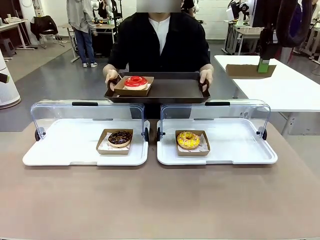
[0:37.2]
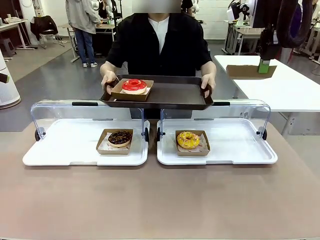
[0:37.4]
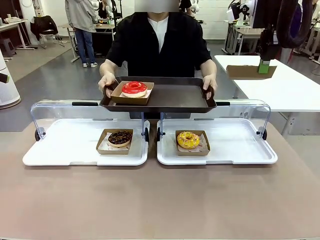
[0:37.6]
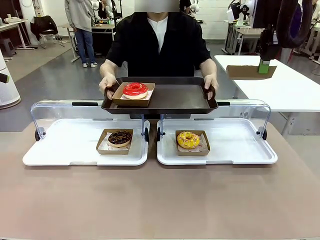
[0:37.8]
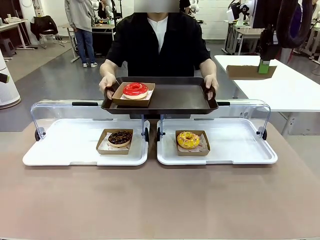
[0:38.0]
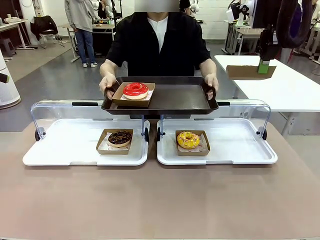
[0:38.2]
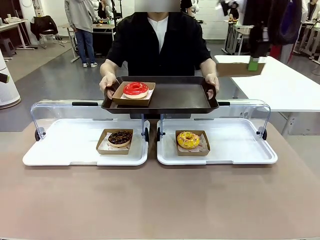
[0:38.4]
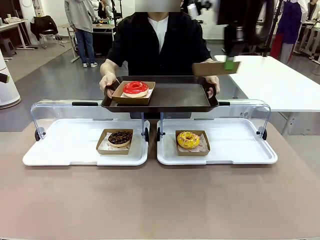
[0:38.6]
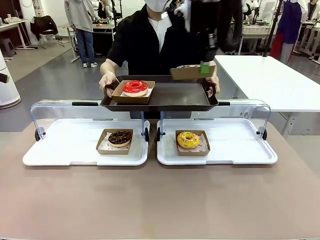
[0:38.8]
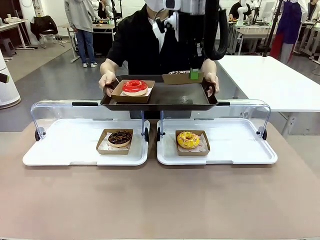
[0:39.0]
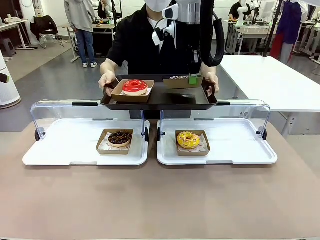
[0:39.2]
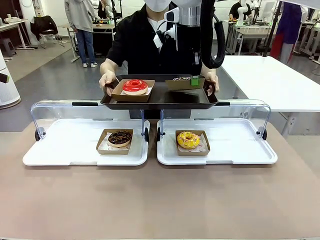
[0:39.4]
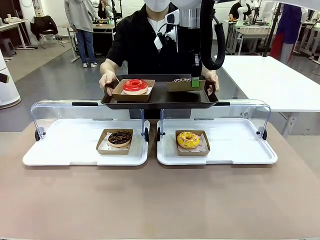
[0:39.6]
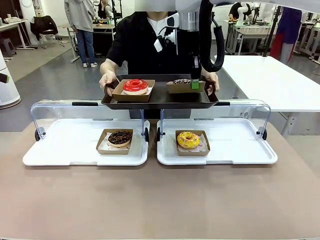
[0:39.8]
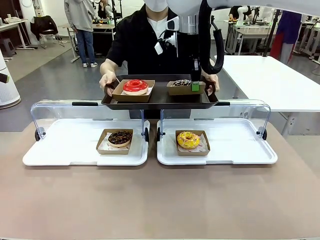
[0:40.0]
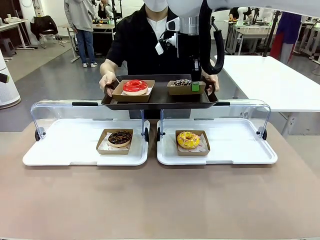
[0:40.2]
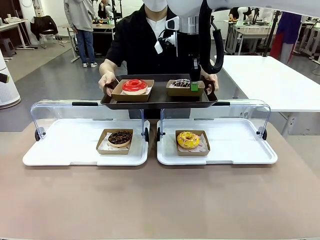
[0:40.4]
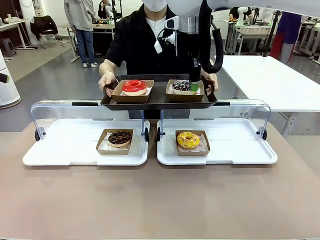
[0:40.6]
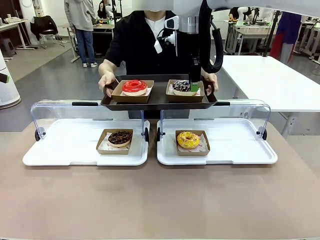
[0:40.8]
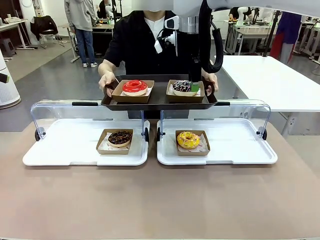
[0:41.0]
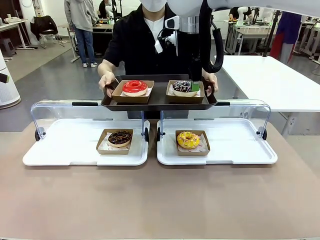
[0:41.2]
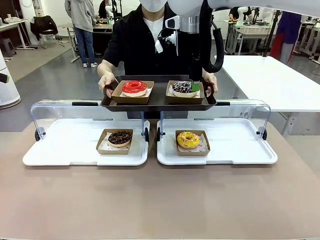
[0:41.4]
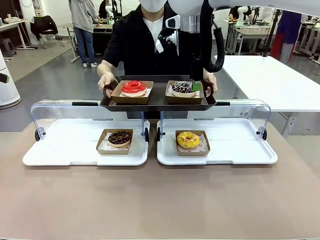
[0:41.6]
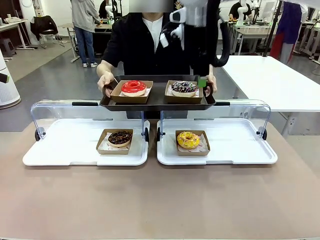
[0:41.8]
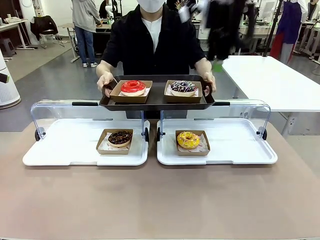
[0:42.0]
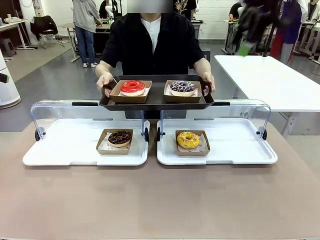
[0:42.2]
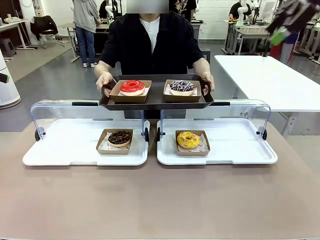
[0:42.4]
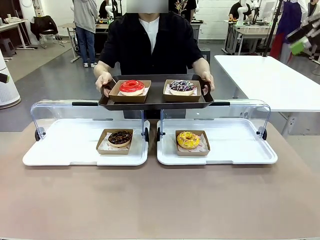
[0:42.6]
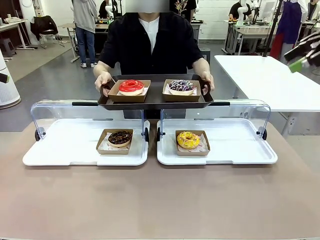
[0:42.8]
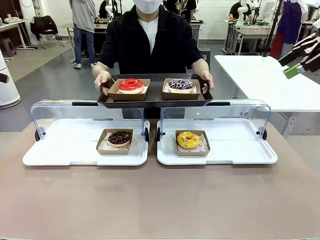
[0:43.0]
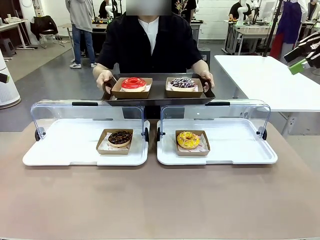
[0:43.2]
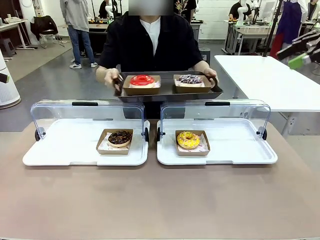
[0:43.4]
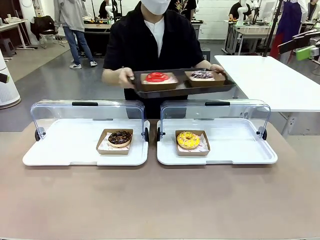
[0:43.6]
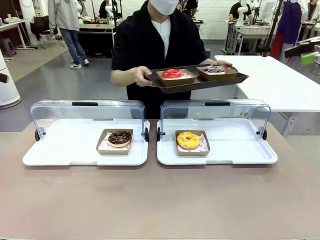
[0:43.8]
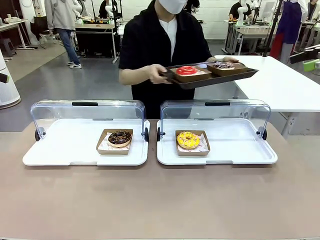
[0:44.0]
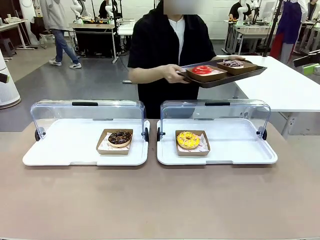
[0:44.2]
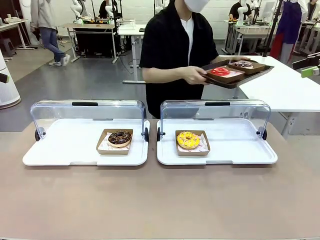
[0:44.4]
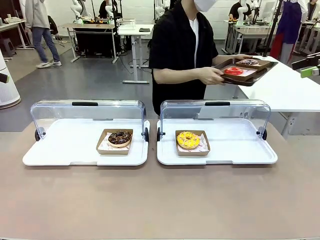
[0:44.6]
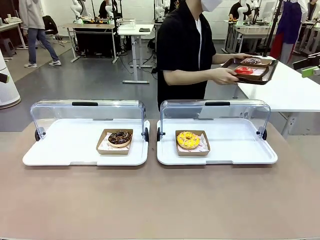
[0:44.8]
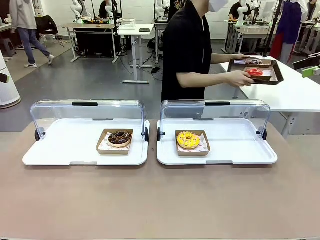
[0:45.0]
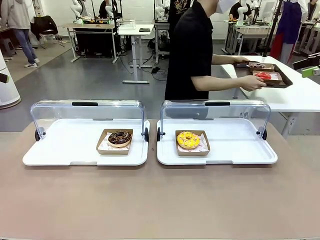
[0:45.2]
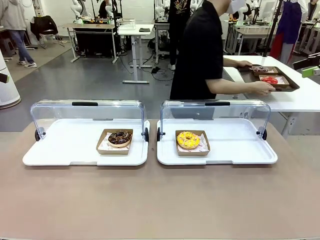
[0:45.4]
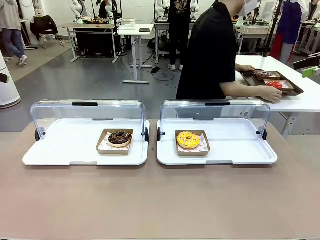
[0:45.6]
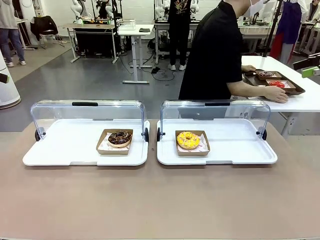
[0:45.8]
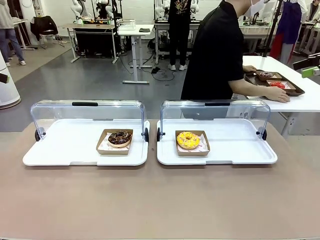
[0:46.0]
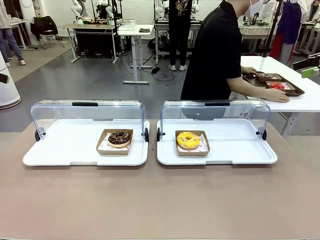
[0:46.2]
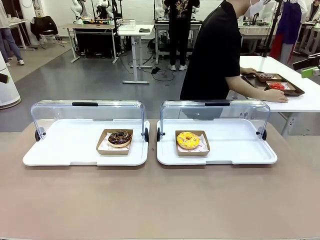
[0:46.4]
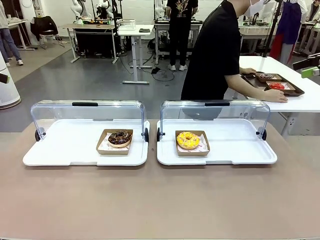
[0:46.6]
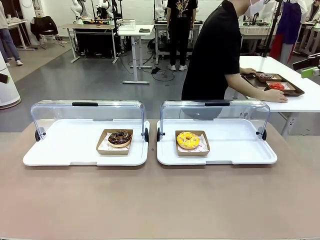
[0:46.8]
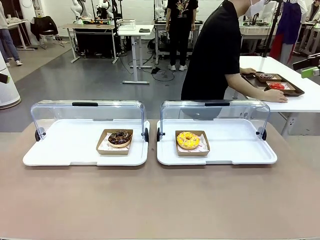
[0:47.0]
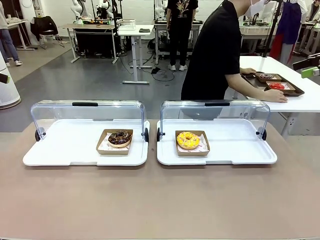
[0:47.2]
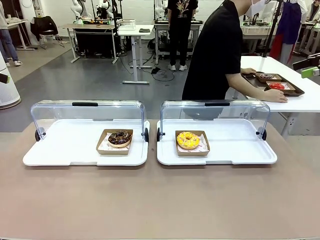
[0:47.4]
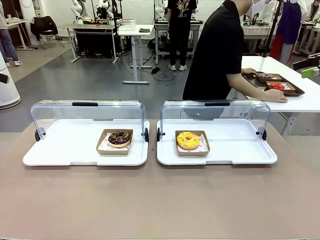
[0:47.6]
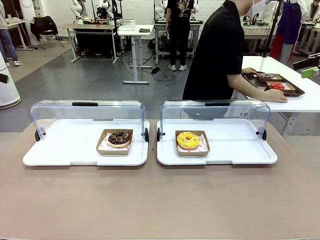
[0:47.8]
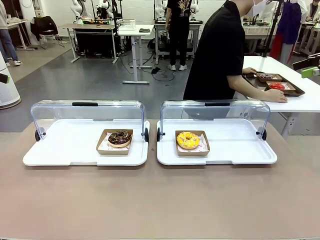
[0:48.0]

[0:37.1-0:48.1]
Task: Provide the desired donut to the person.
Robot: Place the picked Paper togo box onto the Handle tray extended by the person.
Person: Place the tray in the middle of the human table.

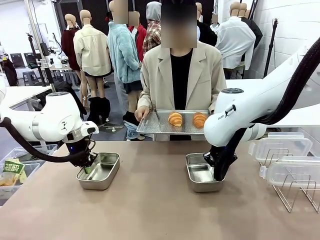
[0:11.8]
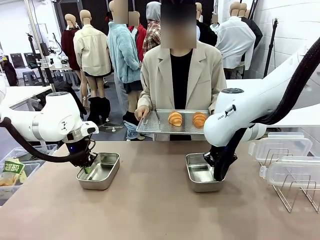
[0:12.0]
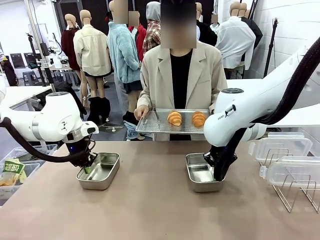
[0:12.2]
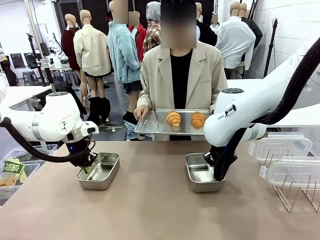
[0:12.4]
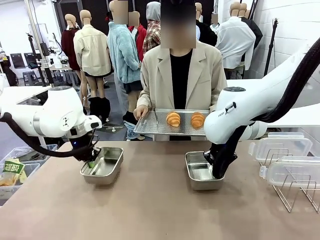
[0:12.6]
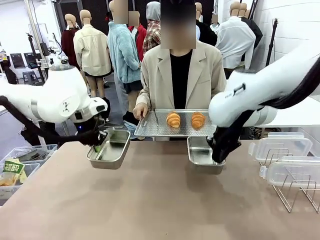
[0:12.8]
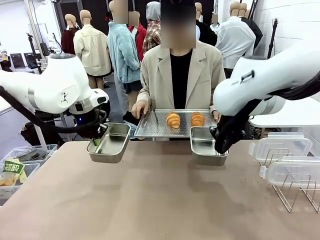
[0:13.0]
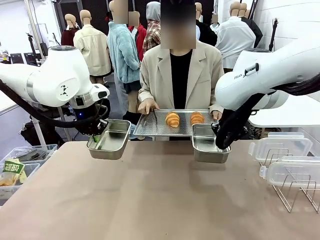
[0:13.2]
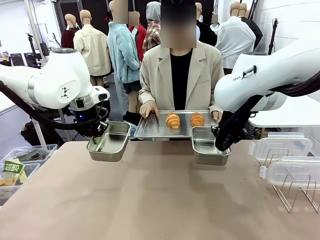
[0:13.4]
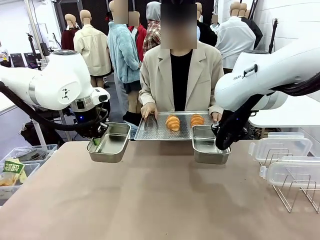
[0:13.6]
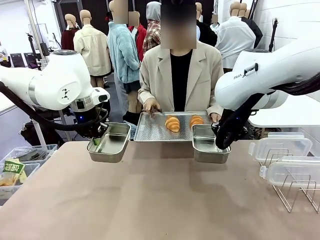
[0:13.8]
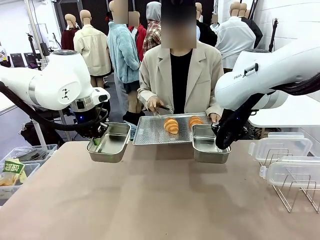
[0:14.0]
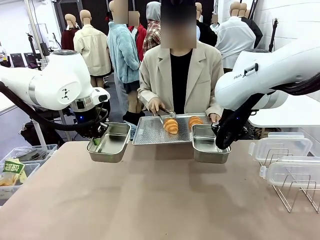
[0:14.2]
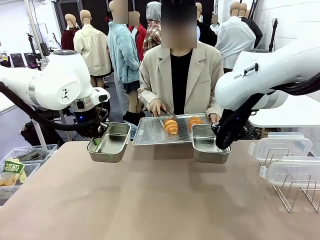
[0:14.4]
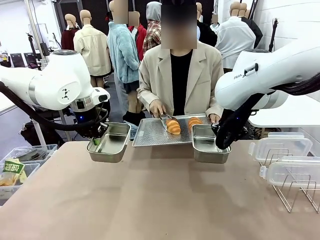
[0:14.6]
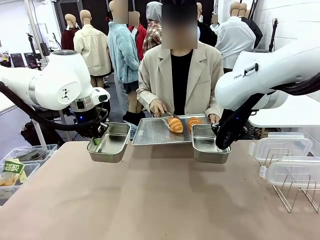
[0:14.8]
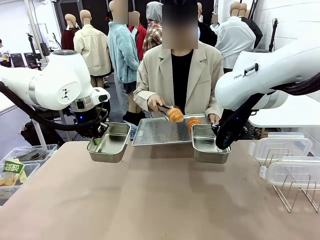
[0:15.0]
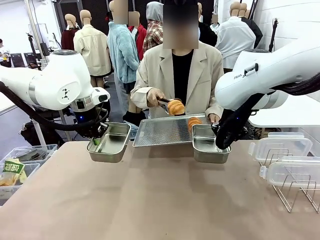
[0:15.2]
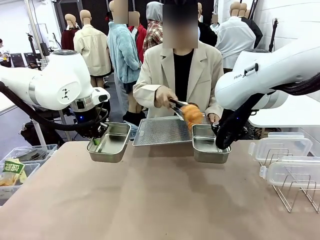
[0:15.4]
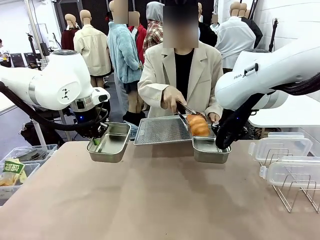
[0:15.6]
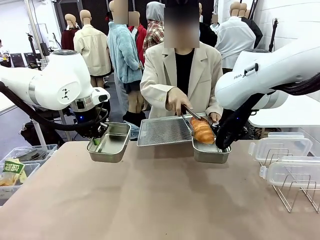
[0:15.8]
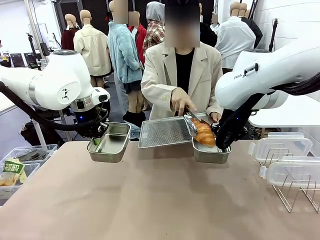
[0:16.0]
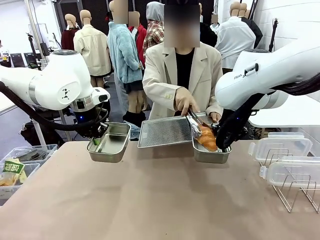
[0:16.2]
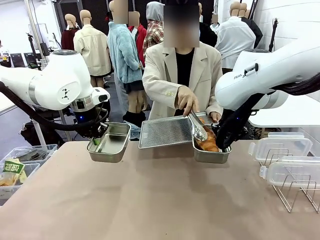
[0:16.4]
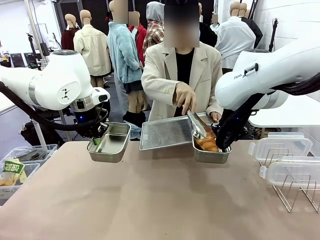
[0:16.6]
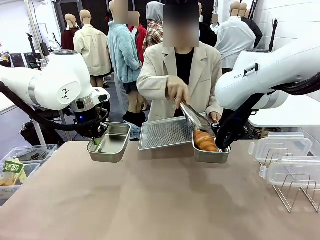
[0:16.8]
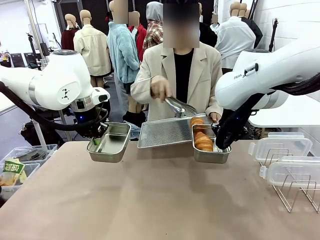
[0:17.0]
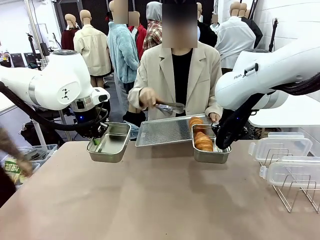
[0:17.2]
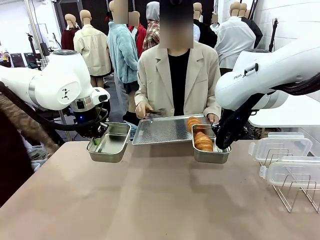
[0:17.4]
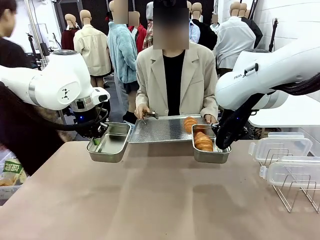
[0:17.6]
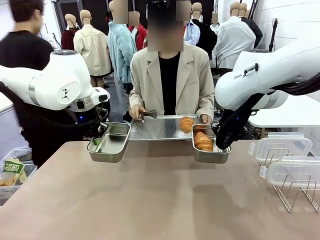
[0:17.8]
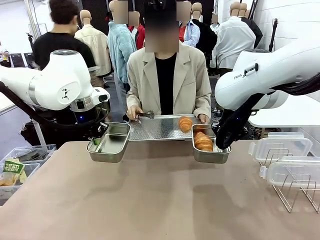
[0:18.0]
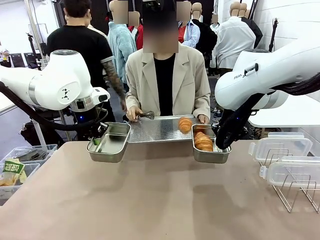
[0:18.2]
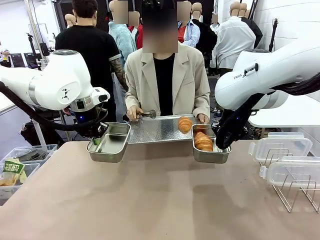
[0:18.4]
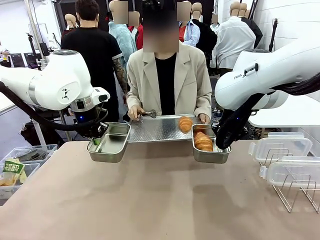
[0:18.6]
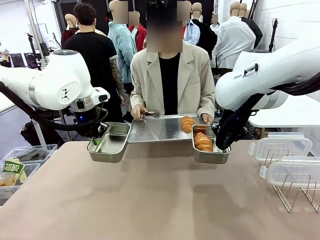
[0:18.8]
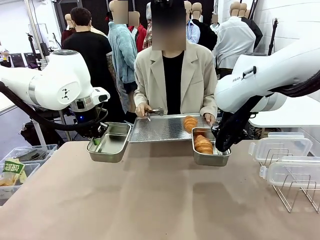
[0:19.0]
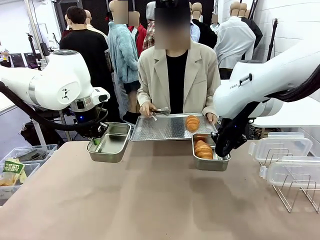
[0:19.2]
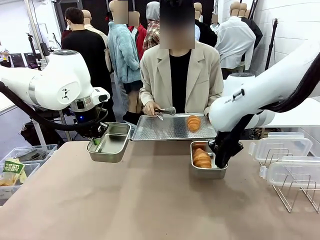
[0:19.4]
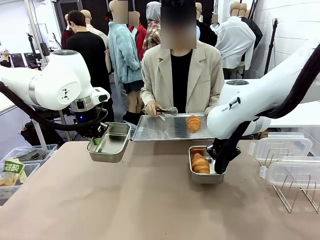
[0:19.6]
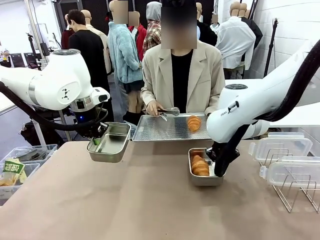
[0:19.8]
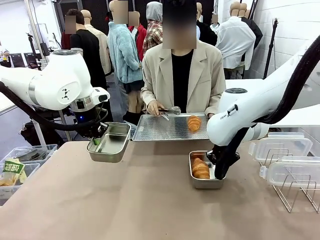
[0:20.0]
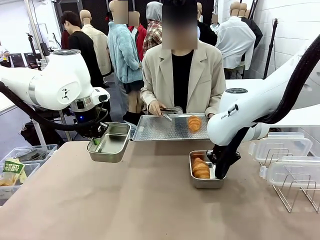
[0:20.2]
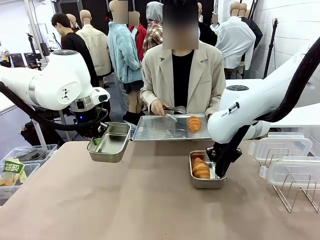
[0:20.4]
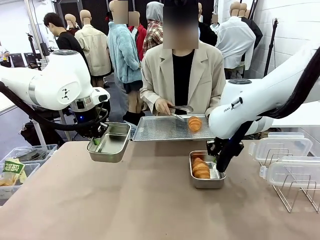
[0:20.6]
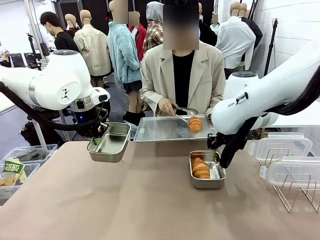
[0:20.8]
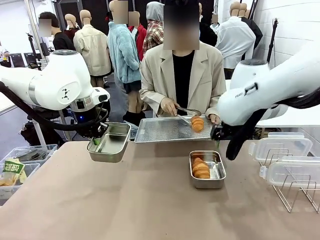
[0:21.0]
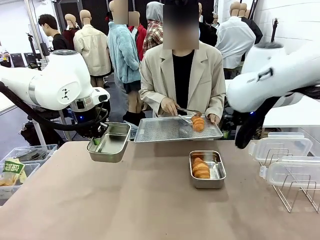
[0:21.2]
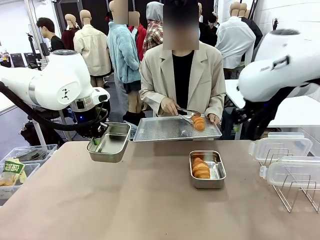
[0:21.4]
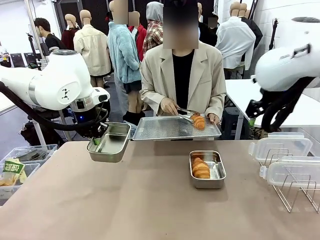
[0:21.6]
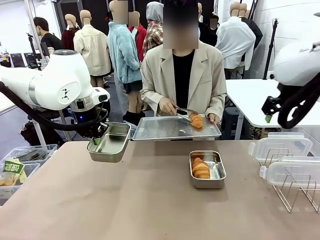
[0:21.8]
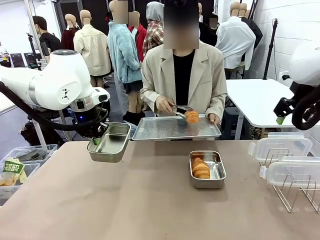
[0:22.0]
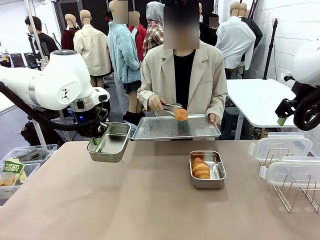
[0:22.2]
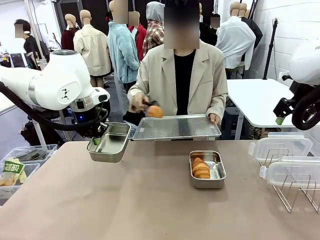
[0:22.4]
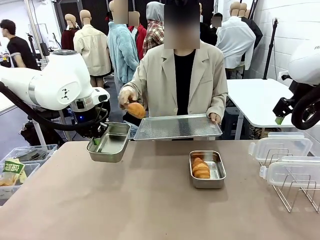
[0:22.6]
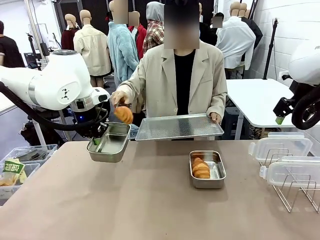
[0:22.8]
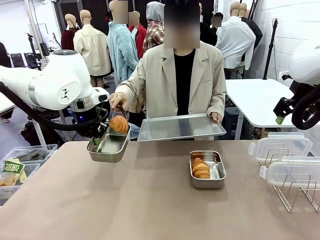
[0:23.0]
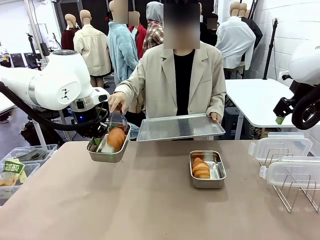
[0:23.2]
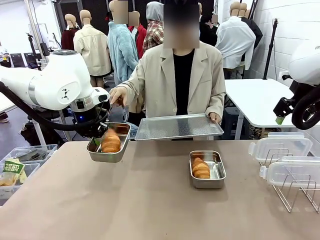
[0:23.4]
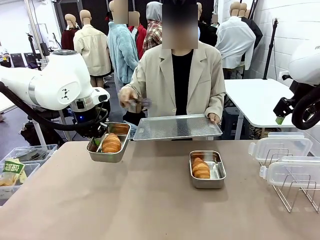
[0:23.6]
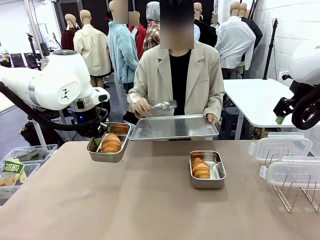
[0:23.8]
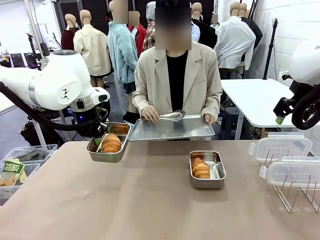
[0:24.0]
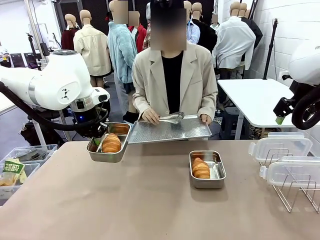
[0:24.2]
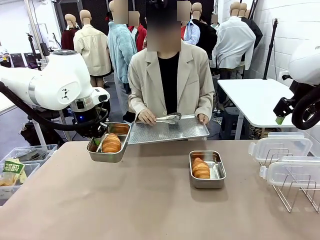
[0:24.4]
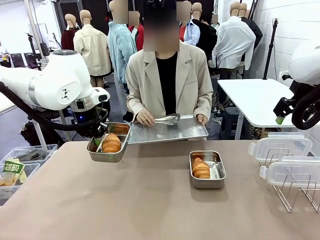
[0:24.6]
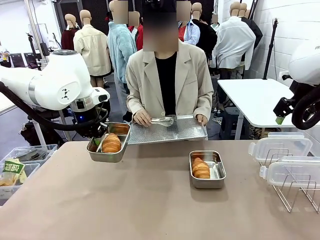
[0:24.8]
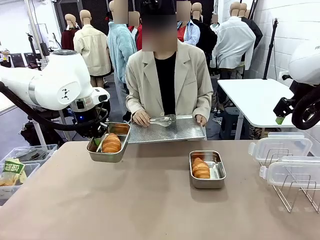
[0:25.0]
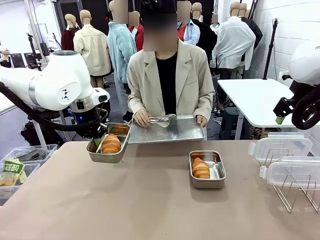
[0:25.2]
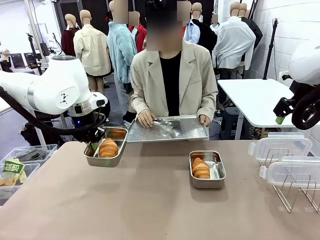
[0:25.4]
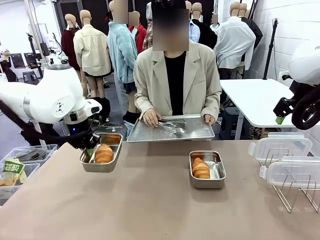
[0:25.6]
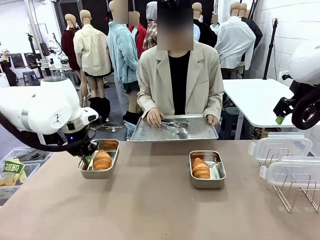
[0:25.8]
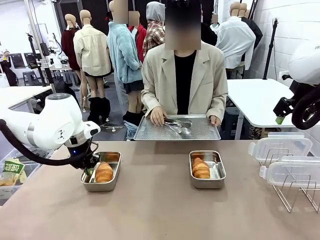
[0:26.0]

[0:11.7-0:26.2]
Task: Place the bread in airtight containers.
Robot: Once an object is inside an Airtight Container , place the container in the center of the table.
Person: Use the Stainless steel tongs to place one object from Baking Sheet into one Airtight Container.
